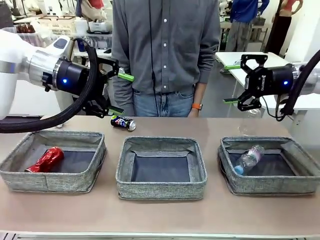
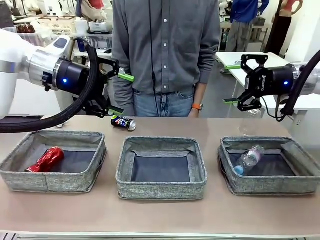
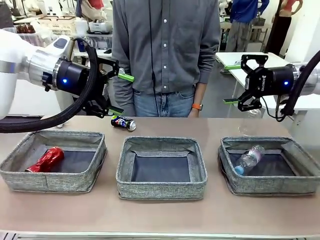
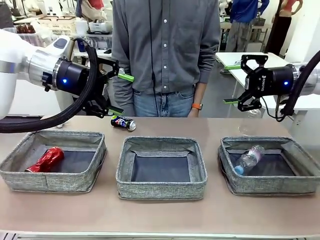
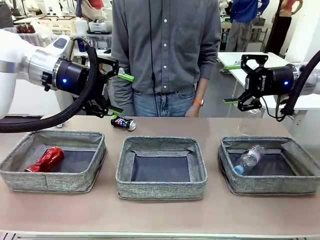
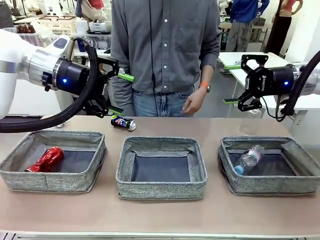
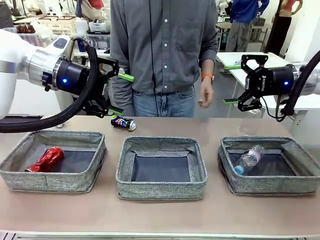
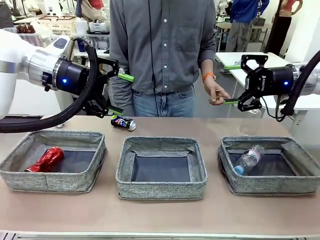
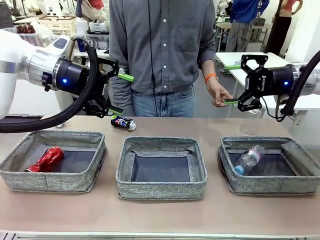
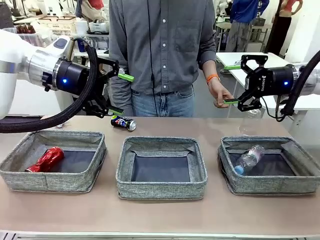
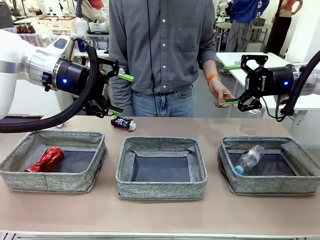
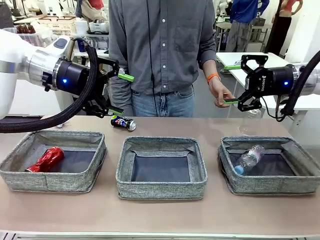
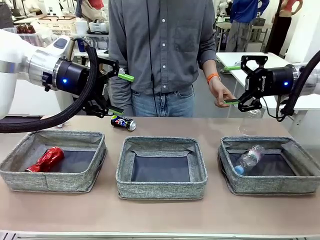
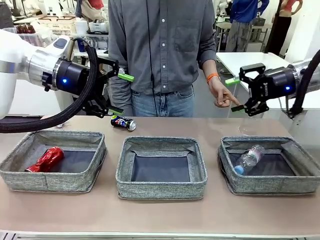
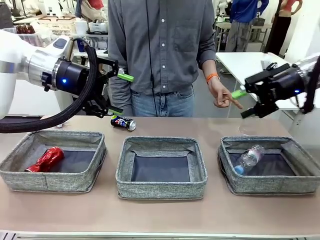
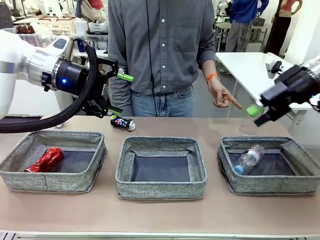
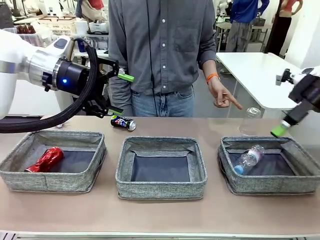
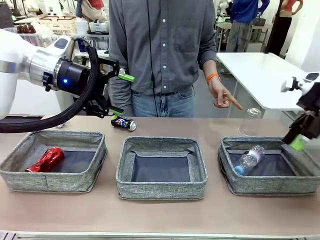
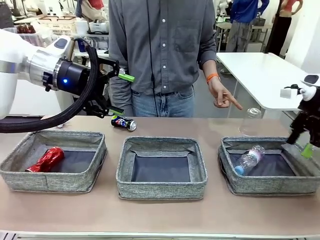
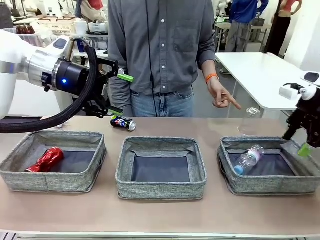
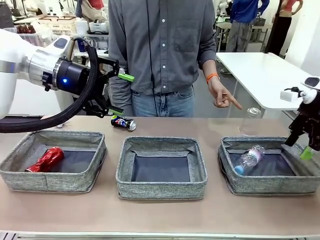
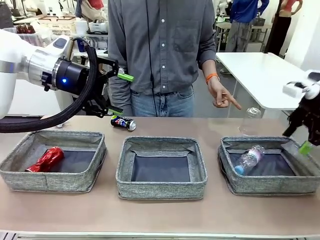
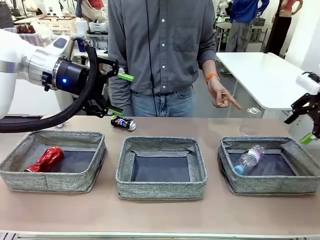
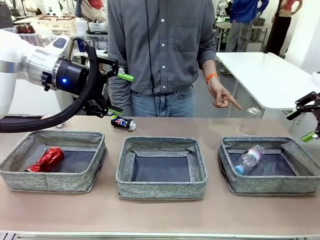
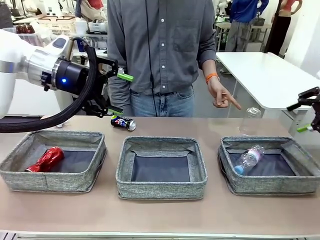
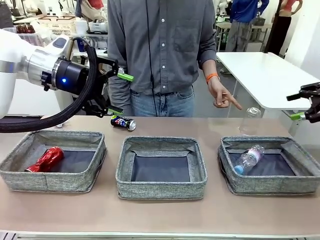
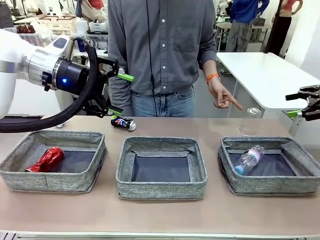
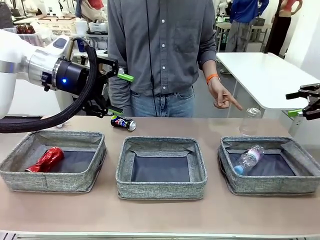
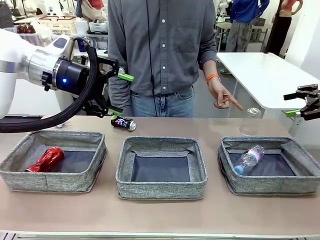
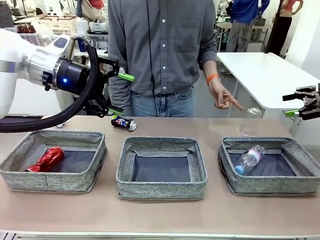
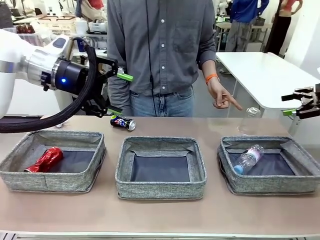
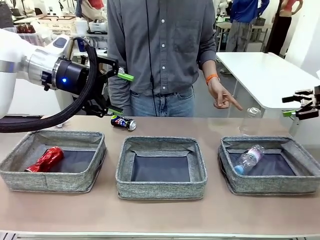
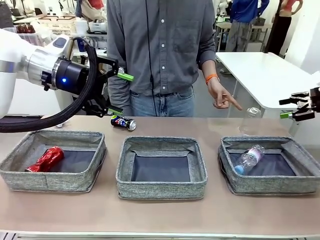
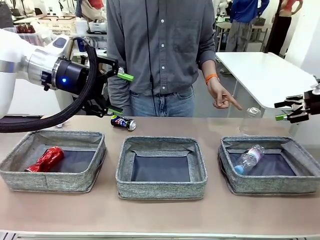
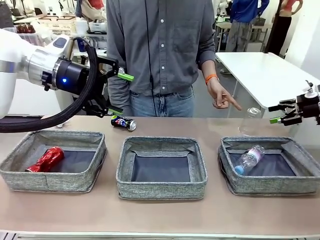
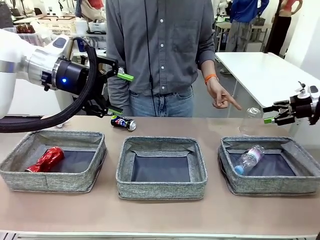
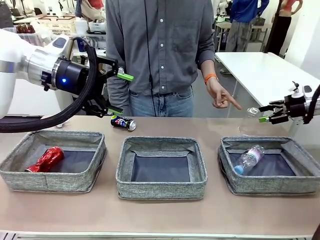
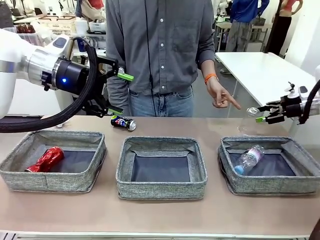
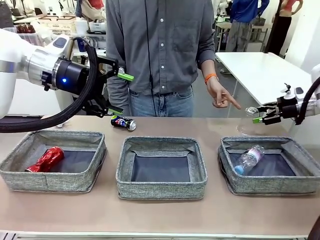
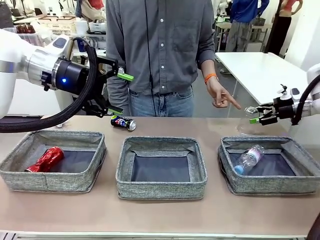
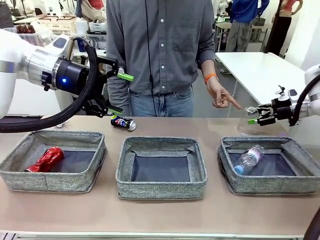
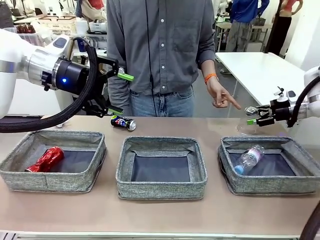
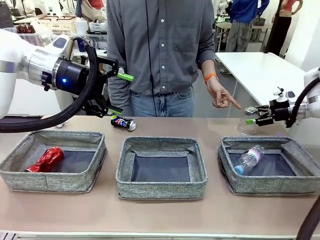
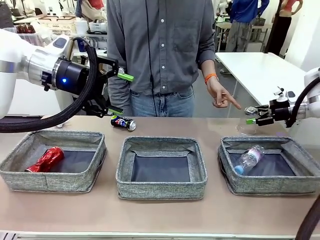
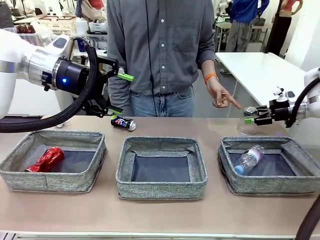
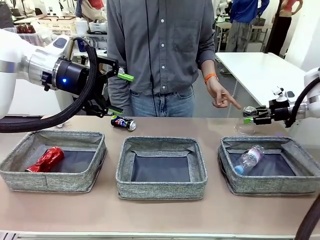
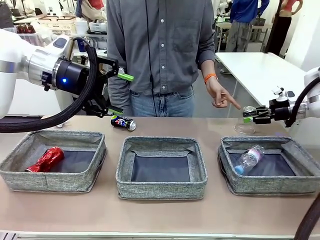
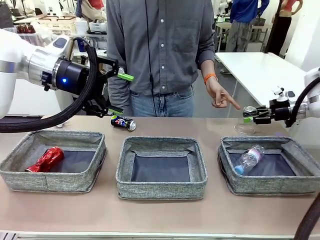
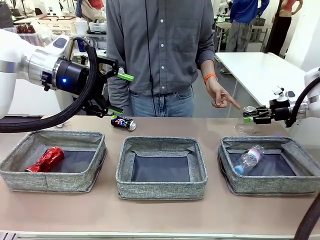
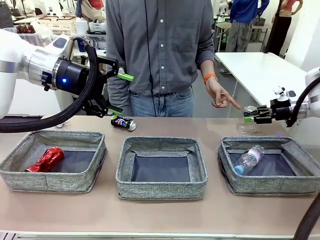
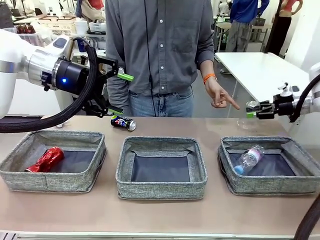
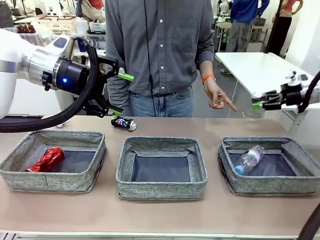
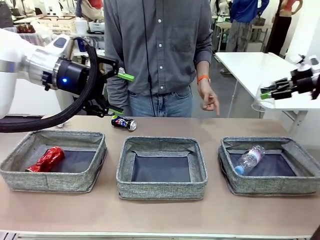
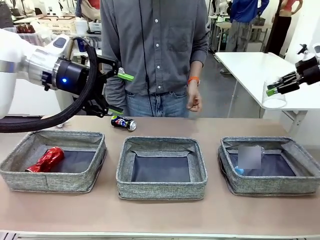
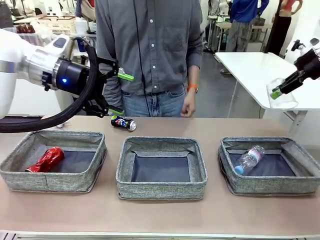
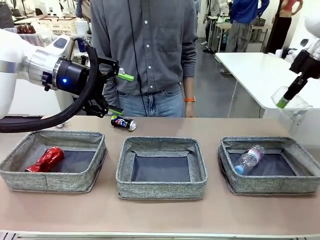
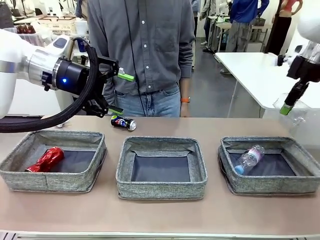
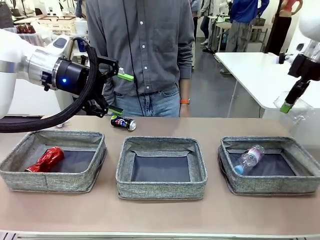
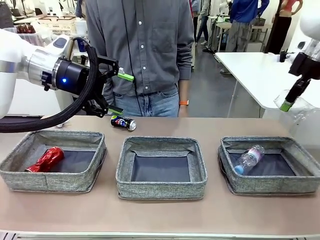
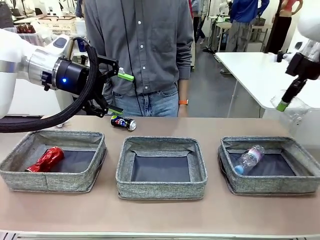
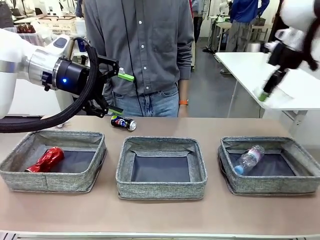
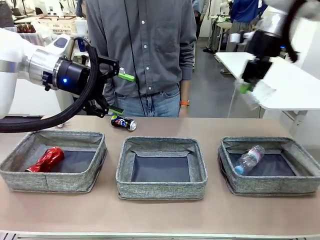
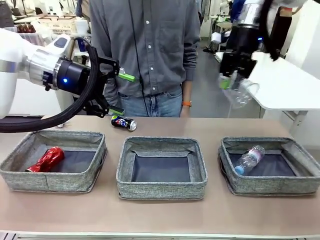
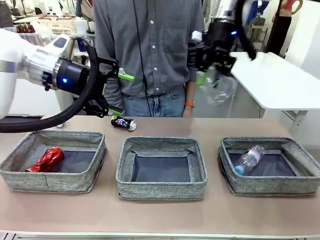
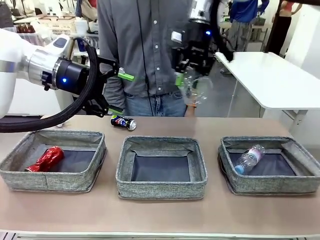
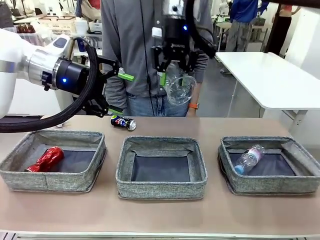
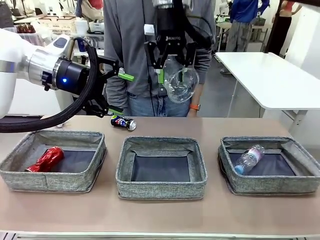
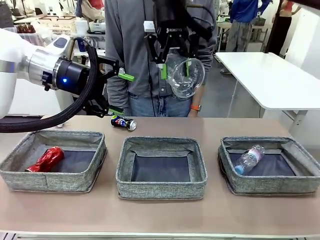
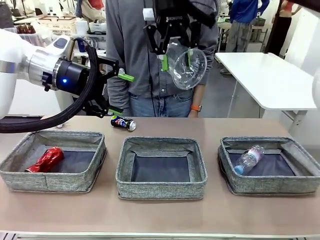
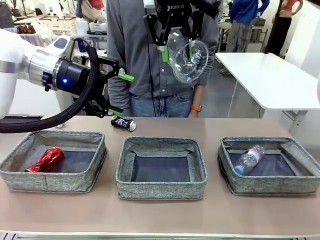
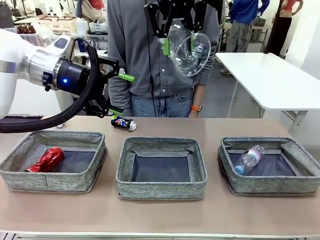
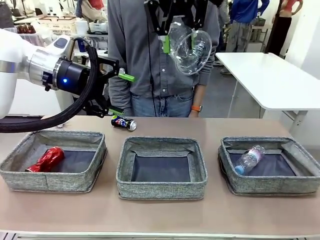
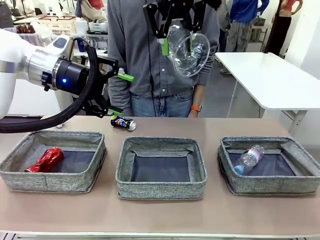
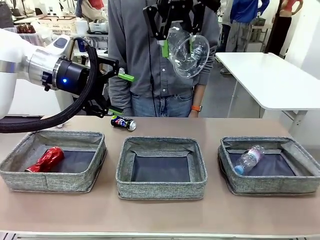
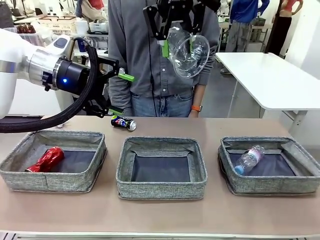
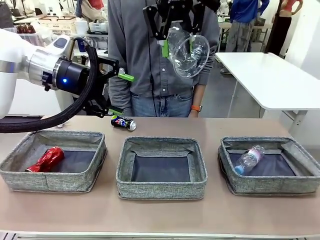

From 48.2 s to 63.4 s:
Task: Sort the waste into the appropriate baskets.
Robot: Pick up the waste item pointed out by the person.
Person: Points to one piece of trash on the table.

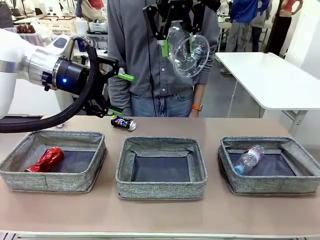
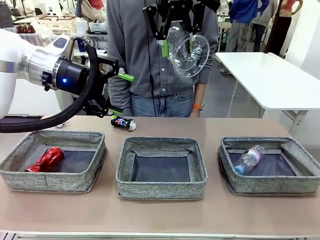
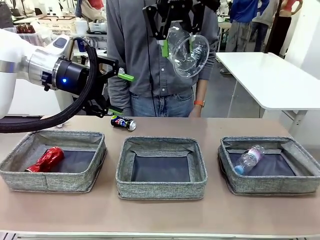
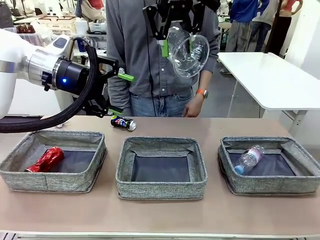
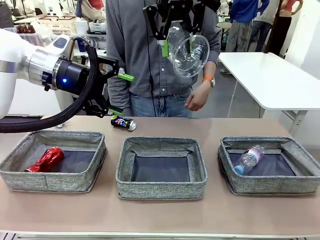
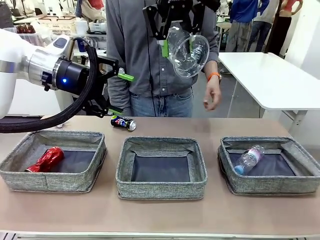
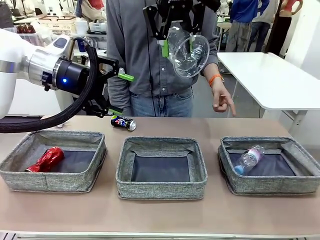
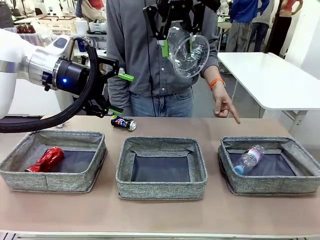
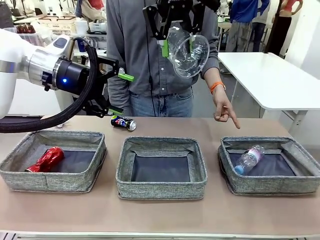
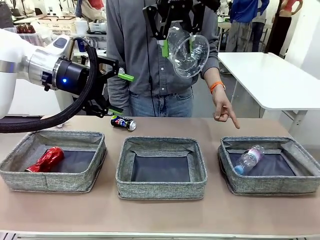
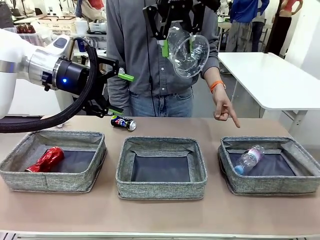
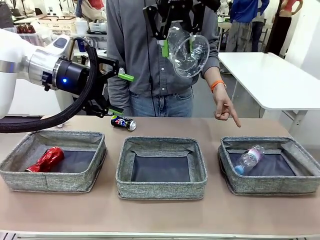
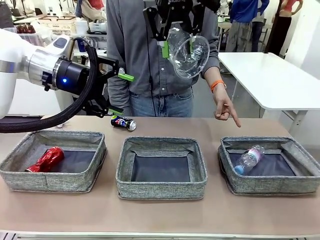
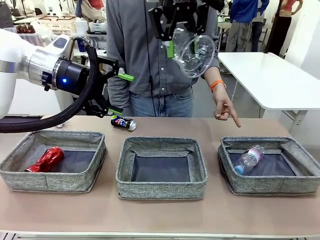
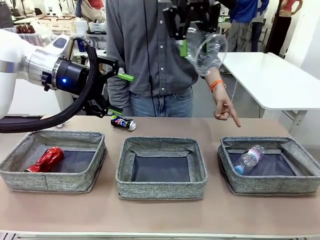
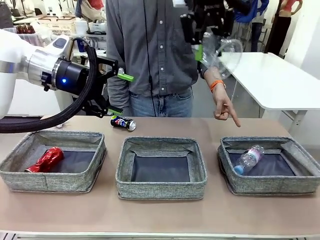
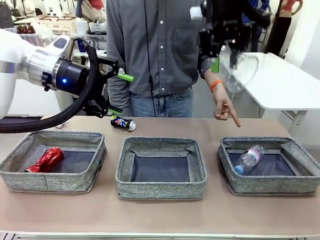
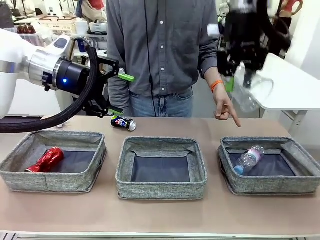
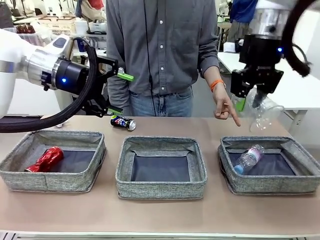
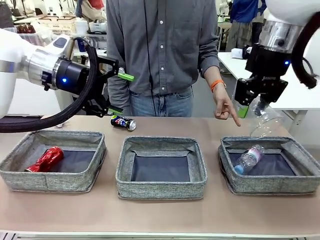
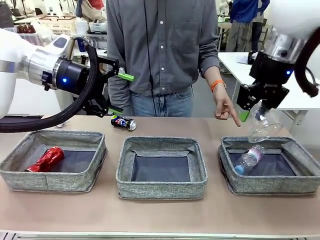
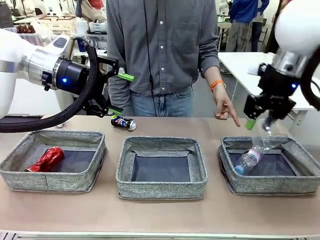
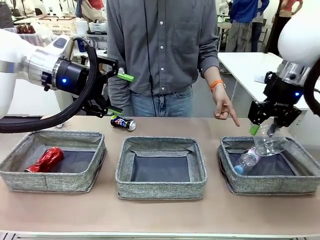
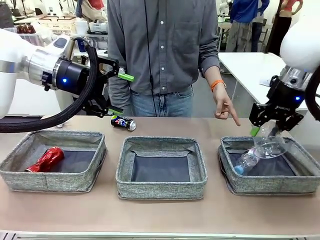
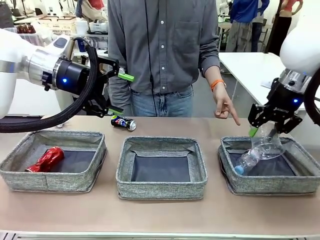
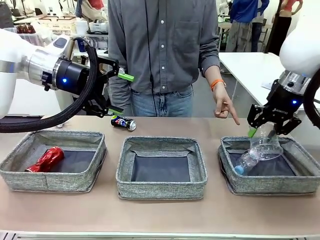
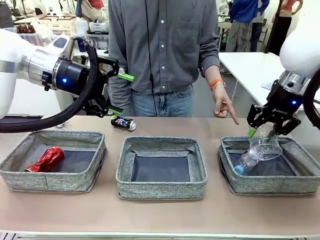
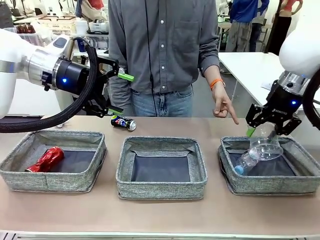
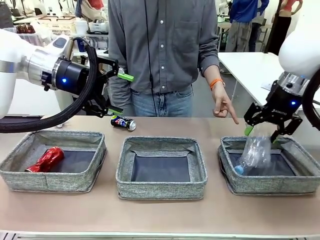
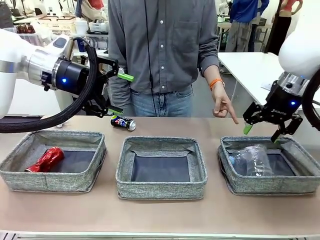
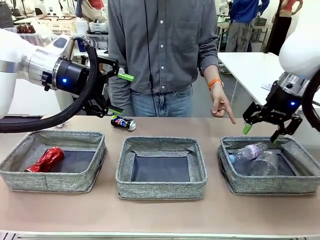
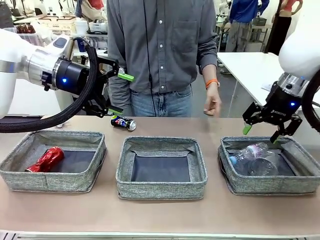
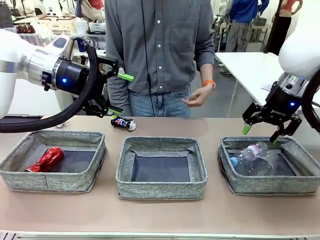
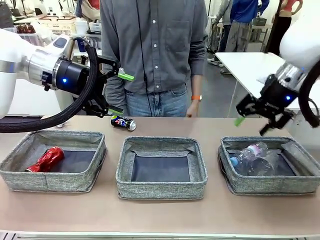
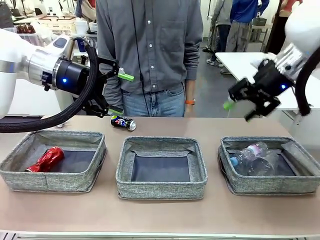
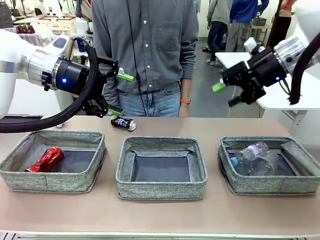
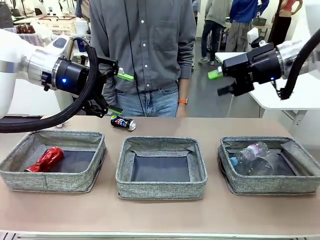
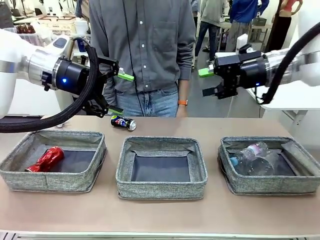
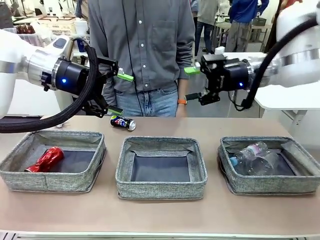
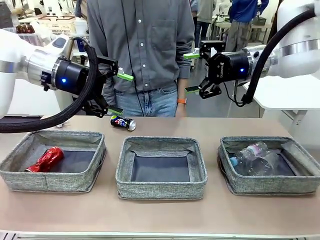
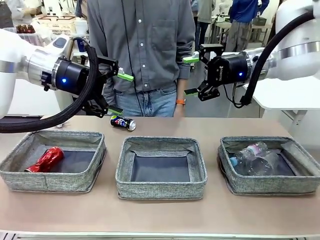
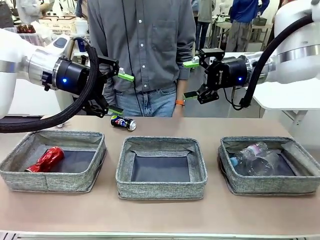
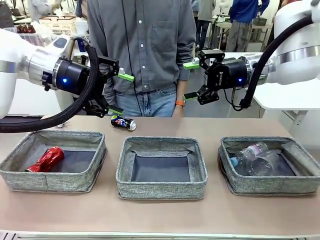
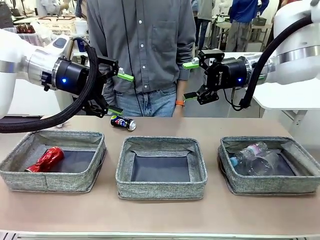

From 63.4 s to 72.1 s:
Robot: Place the picked waste into the Fabric basket indicated by the person.
Person: Instructs the robot to place the picked-up trash into the appropriate organizing basket.
